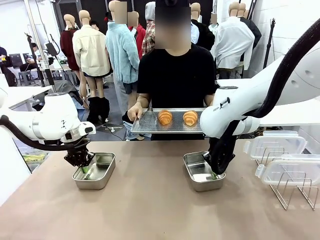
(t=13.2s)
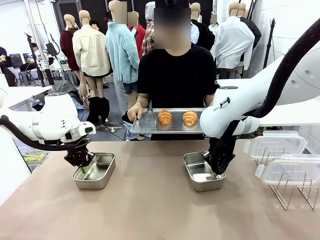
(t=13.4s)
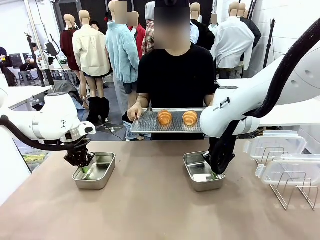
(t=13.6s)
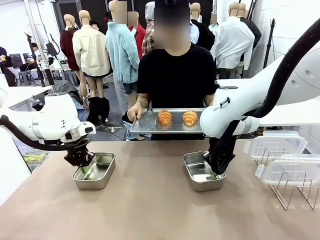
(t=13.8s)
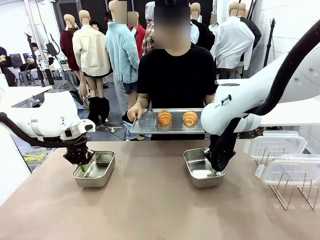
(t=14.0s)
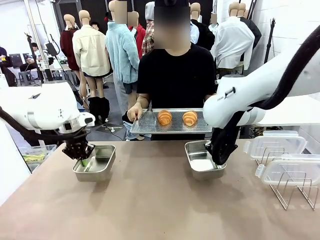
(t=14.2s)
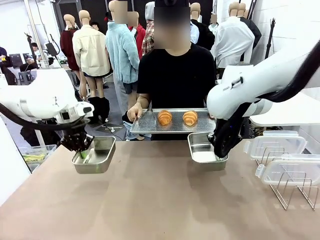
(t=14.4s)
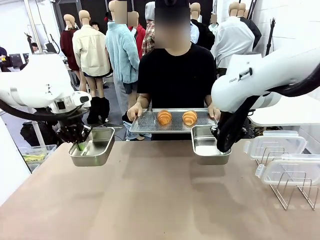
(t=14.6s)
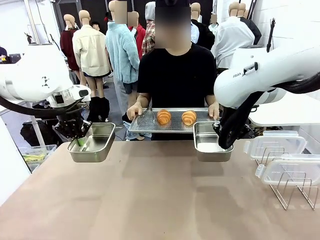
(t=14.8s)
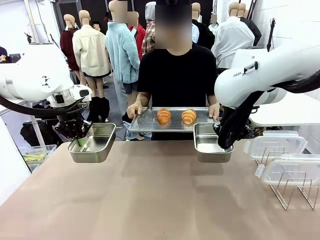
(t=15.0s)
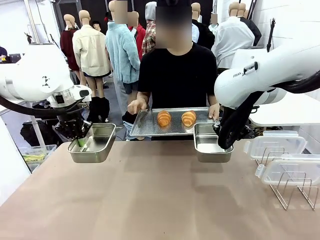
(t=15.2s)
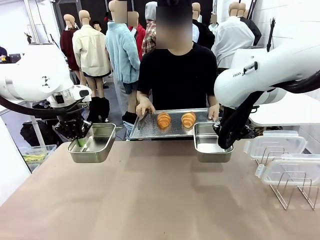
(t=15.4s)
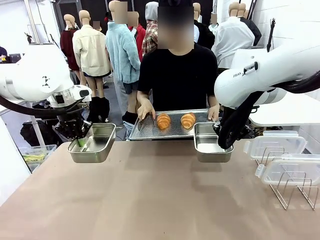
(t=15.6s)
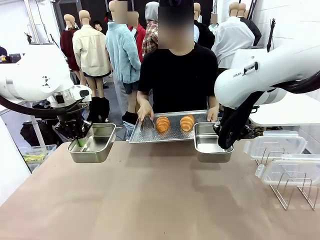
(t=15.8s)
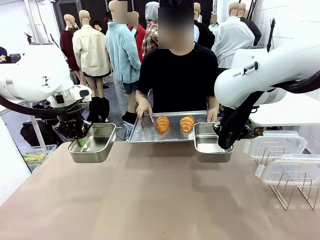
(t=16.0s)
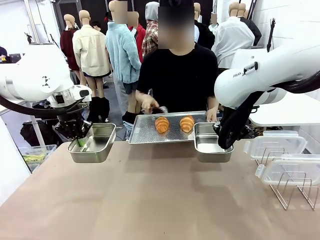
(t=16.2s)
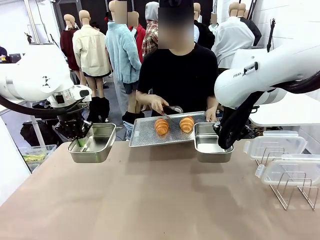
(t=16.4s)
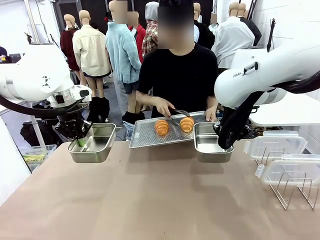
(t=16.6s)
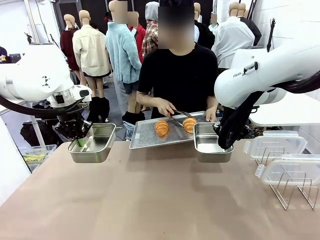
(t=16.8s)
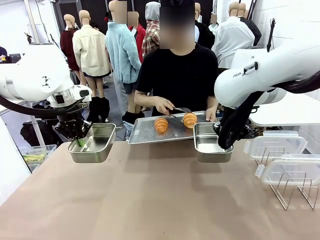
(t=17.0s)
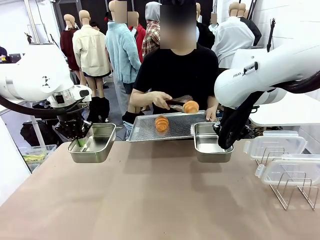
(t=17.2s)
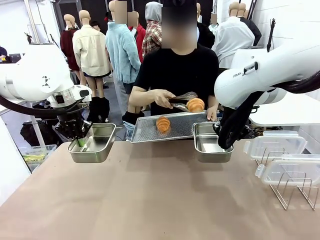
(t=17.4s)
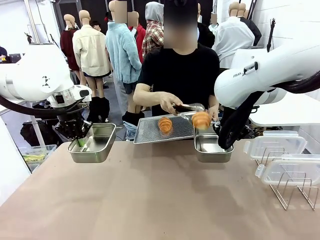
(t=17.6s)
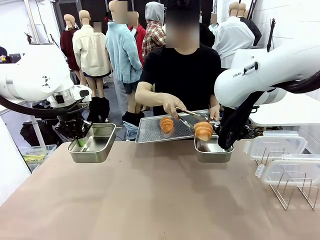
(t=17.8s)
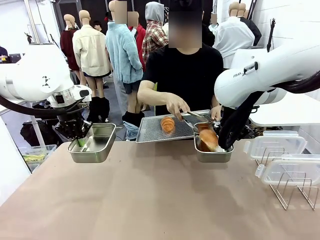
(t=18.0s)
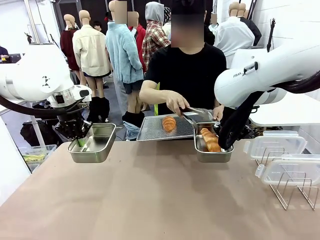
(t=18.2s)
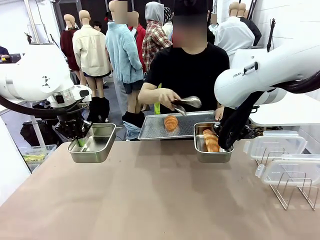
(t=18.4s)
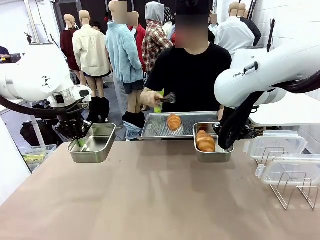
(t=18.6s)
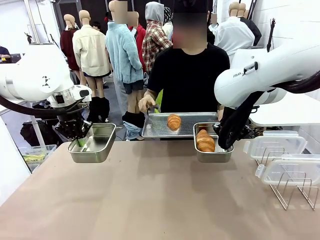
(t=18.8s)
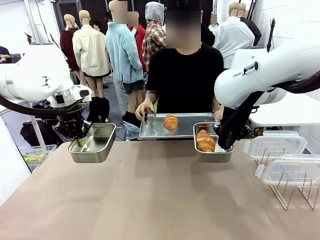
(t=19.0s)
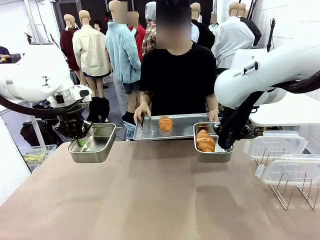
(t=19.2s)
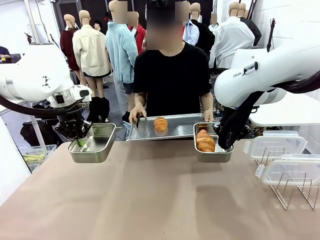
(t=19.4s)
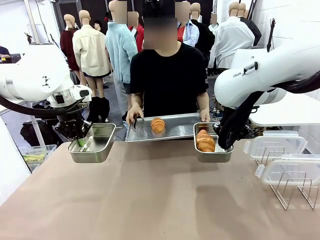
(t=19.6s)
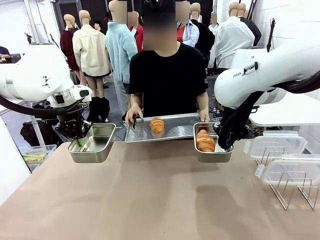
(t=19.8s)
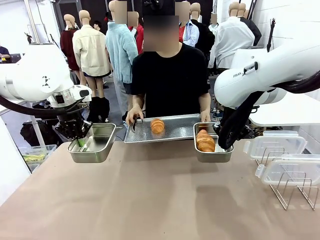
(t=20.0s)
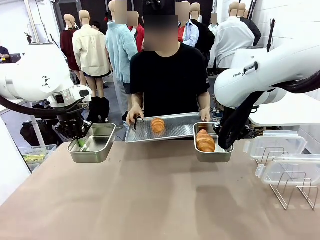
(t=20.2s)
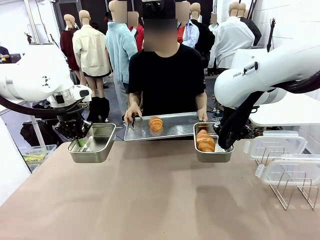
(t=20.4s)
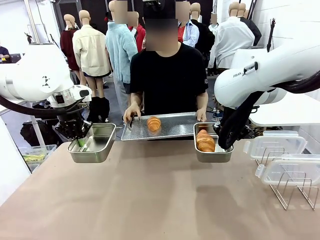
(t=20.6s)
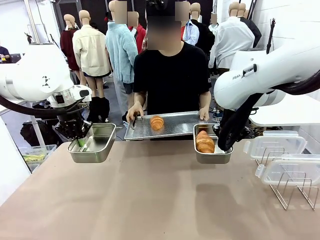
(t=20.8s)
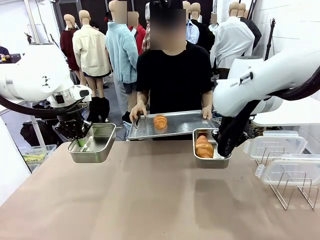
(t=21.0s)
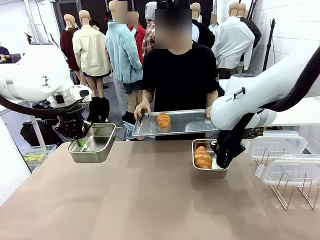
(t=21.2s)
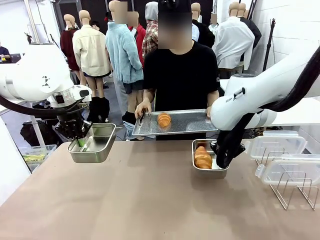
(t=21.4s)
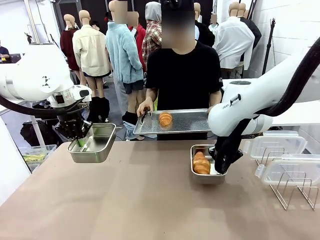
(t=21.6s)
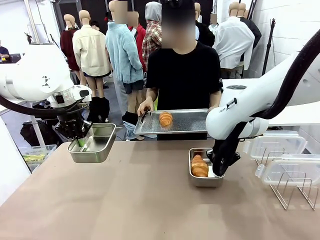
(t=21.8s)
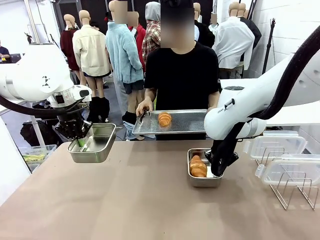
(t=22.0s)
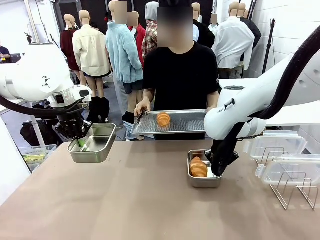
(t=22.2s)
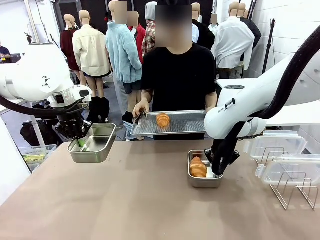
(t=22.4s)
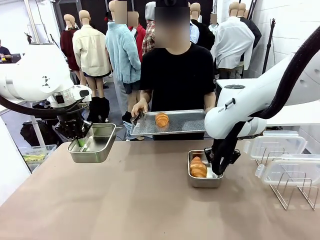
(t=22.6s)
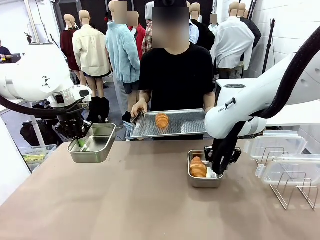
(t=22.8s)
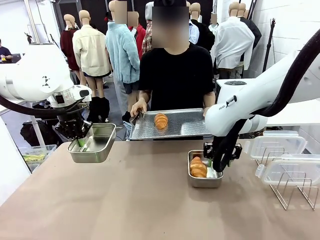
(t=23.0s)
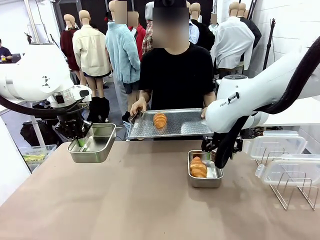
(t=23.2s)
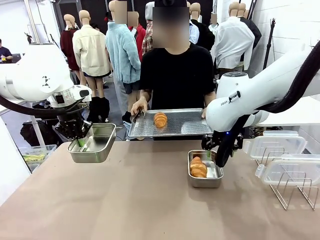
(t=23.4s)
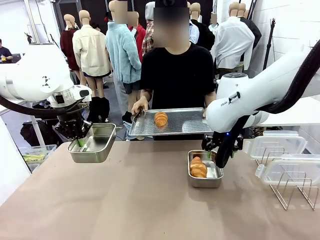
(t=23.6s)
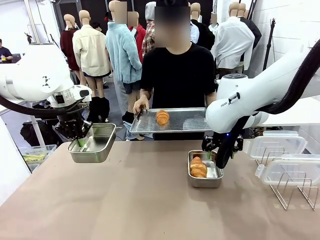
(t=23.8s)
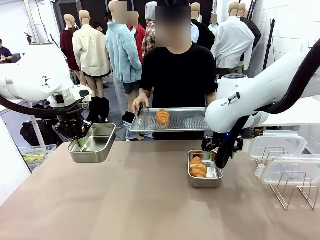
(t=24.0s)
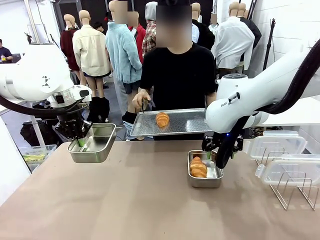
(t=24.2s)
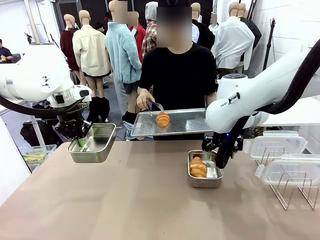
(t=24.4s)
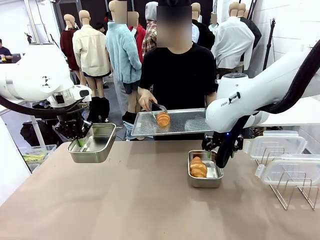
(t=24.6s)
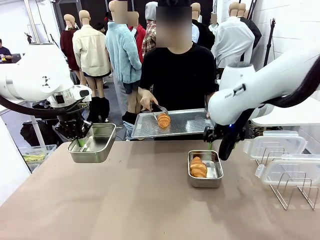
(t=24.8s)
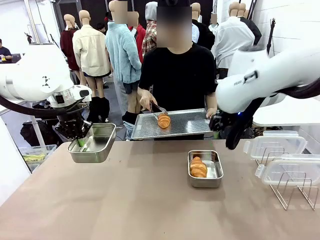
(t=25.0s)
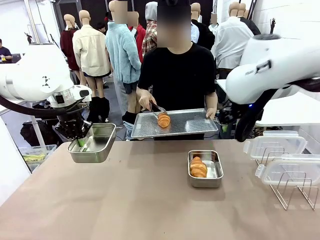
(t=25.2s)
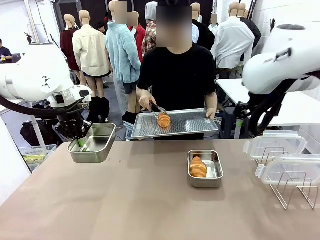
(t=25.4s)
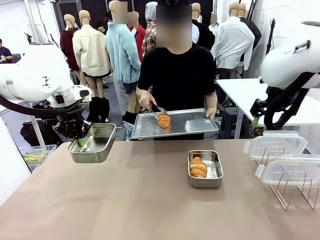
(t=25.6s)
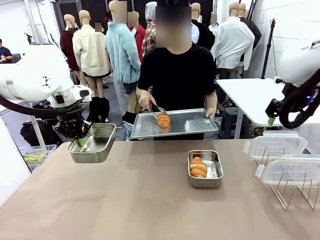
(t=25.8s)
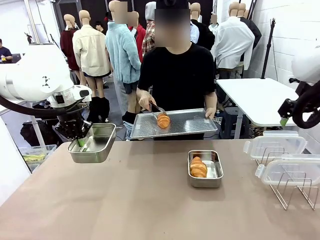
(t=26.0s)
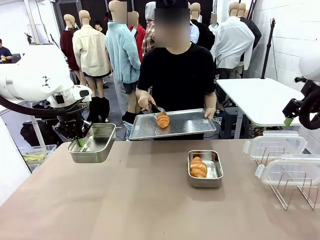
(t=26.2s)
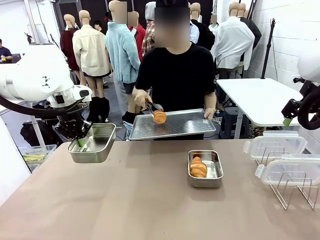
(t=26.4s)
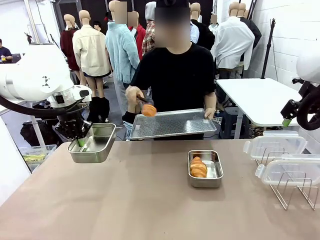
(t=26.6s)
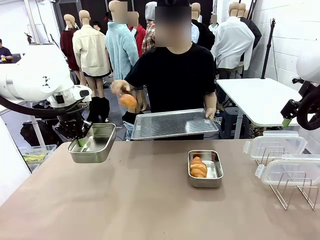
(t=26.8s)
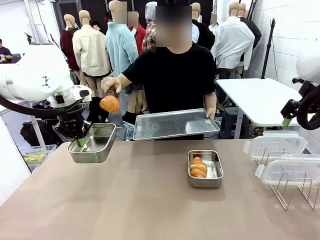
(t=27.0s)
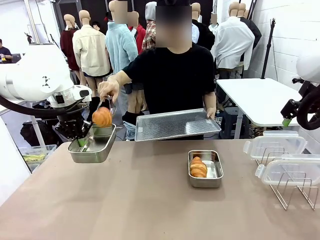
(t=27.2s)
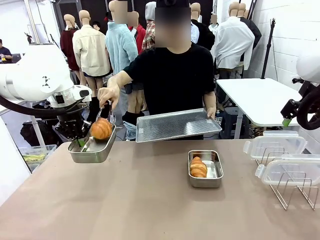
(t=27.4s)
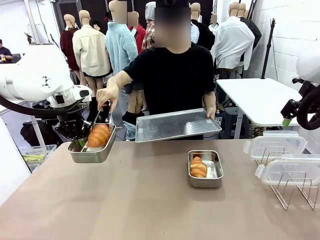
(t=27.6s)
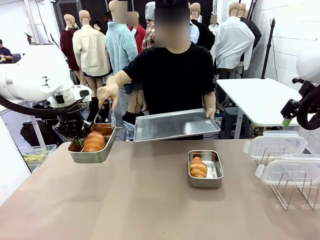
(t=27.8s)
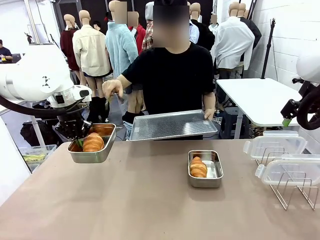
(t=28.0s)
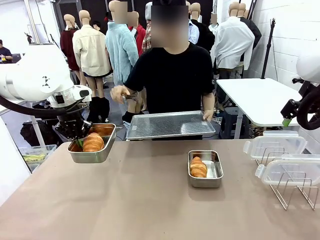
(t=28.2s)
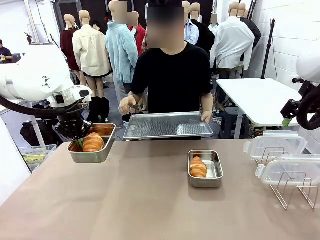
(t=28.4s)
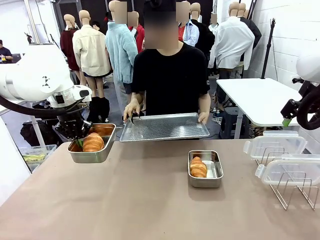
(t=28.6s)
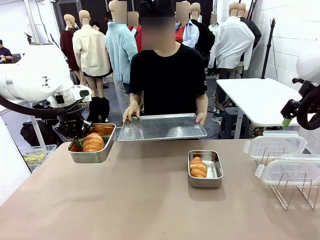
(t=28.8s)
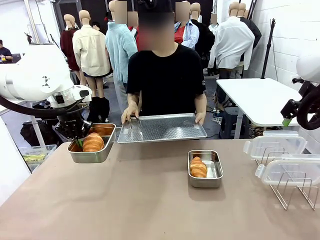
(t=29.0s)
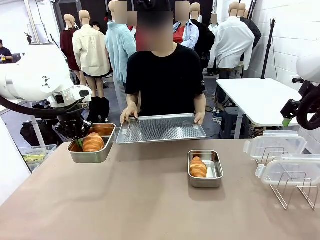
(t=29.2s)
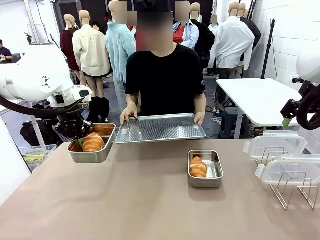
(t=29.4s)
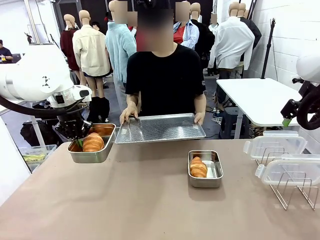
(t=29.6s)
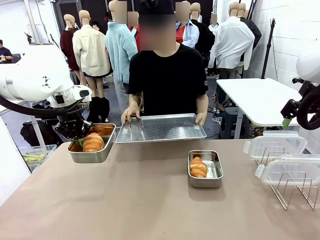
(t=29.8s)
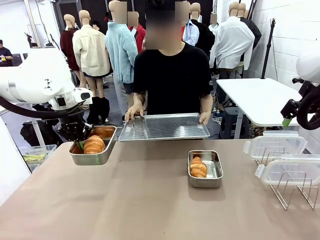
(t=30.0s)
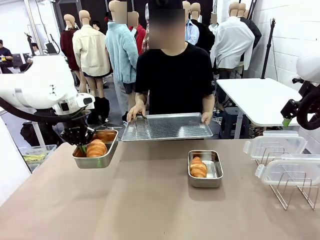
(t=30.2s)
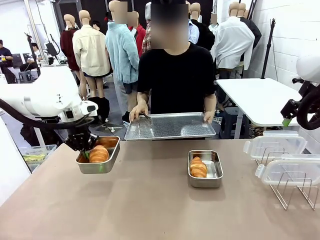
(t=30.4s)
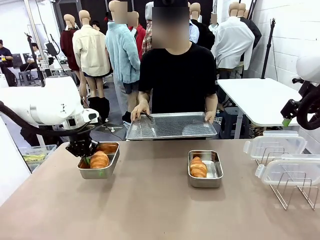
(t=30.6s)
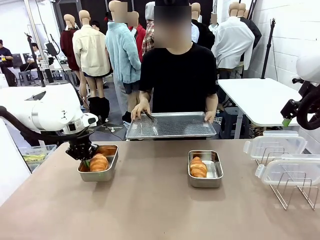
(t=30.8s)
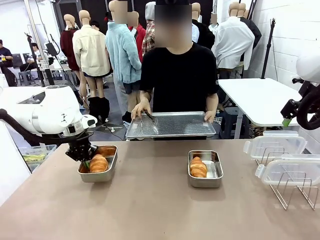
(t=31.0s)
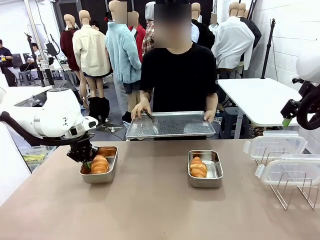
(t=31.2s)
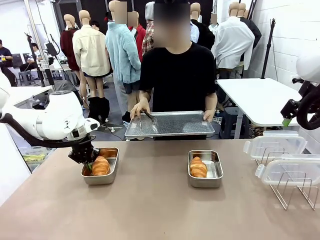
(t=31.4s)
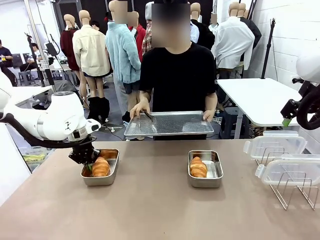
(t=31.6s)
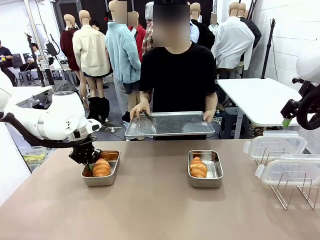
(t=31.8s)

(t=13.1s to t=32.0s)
Task: Place the bread in airtight containers.
Robot: Once an object is inside an Airtight Container , place the container in the center of the table.
Person: Use the Stainless steel tongs to place one object from Baking Sheet into one Airtight Container.

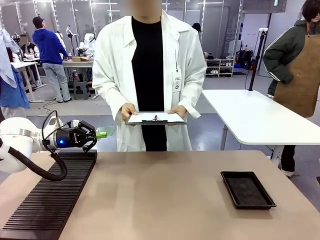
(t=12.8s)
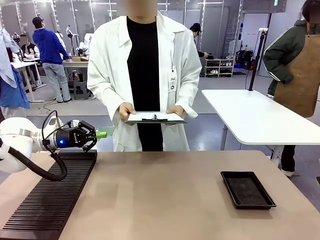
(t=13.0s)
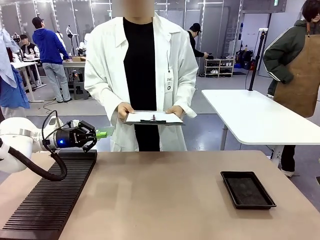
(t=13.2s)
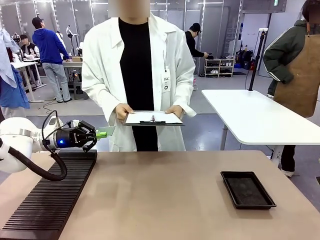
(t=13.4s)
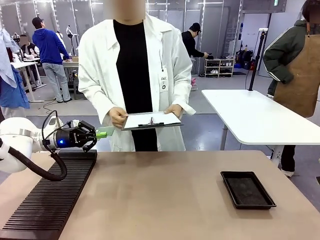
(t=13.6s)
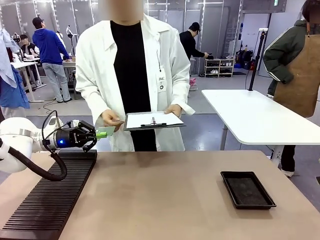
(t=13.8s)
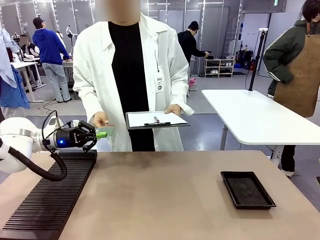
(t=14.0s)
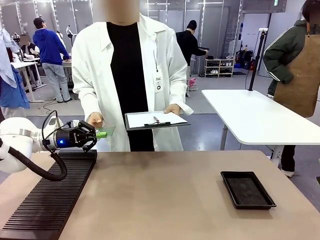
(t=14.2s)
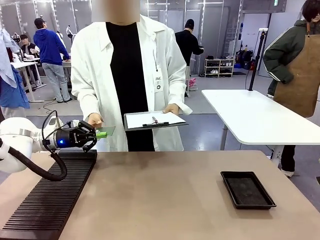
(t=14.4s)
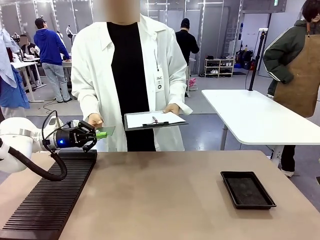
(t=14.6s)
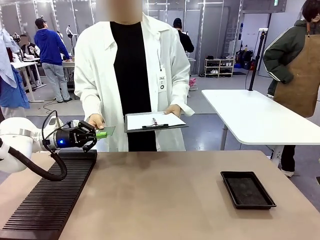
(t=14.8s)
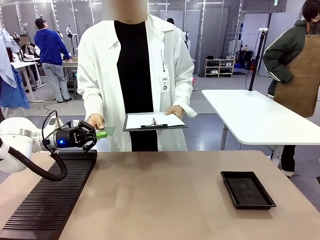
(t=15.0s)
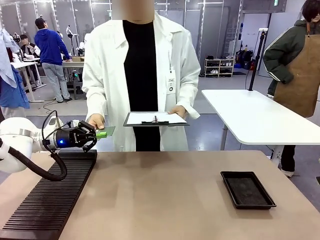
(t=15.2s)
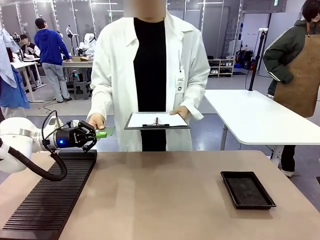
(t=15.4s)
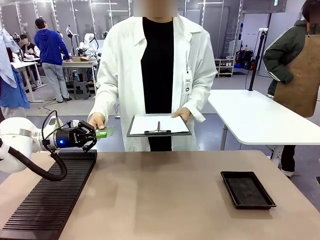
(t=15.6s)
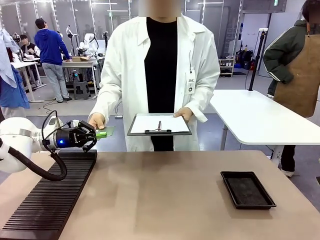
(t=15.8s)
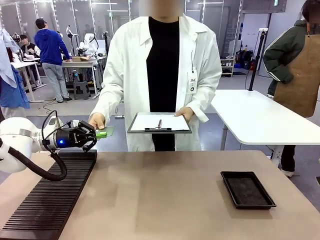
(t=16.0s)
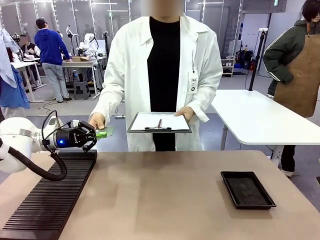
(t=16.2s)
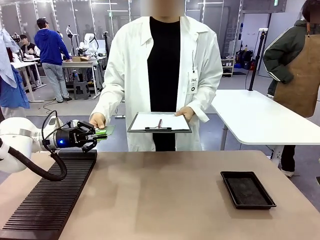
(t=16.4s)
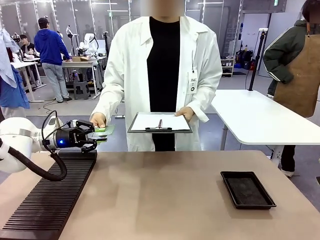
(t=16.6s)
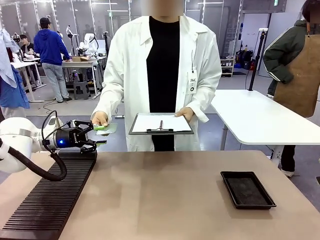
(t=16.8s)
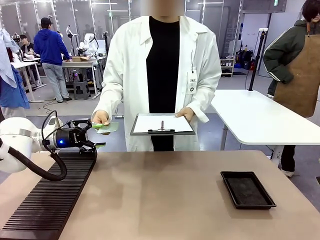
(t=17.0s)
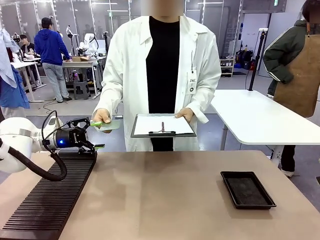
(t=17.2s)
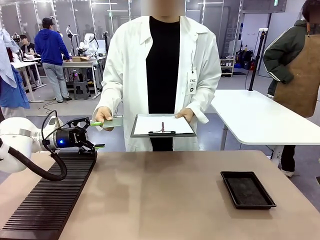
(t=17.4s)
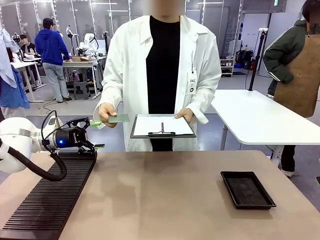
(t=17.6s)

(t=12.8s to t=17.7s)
Task: Inspect the PCB.
Robot: Release the Blank PCB you were holding.
